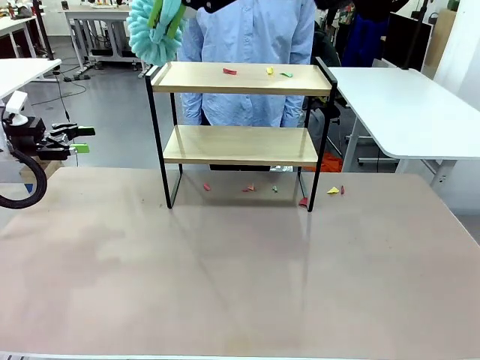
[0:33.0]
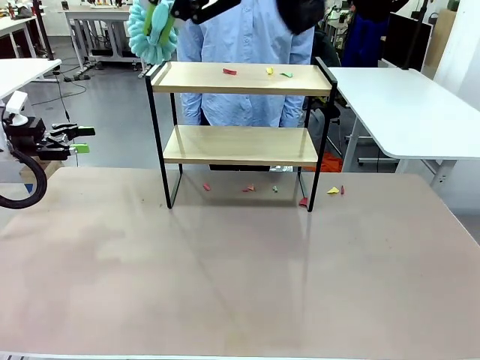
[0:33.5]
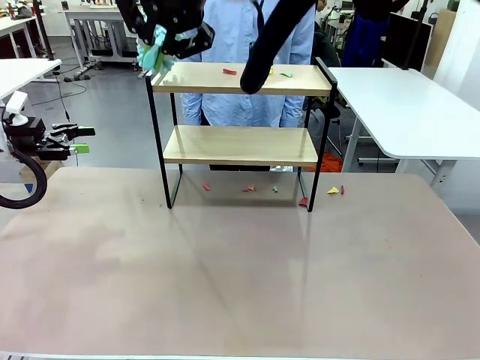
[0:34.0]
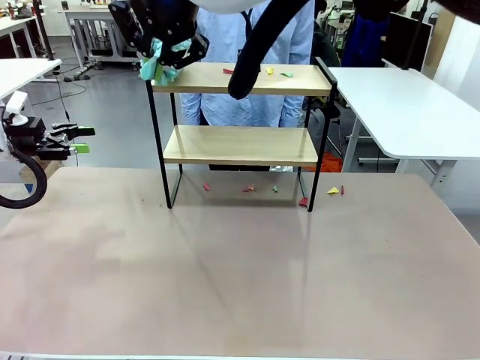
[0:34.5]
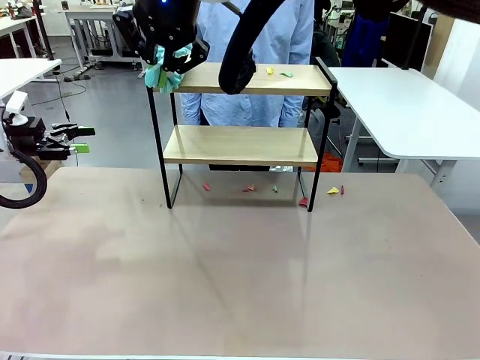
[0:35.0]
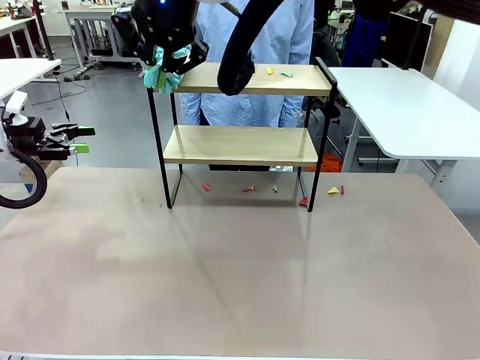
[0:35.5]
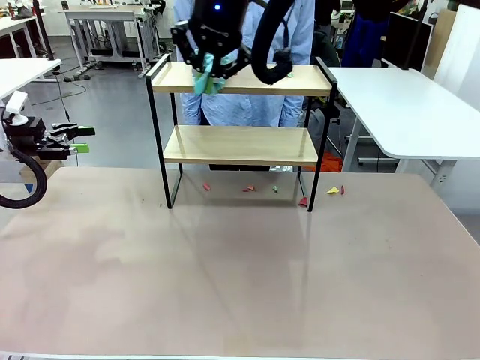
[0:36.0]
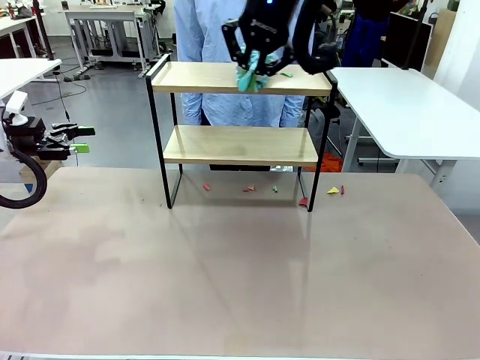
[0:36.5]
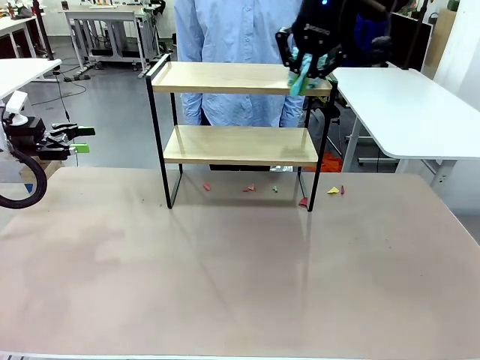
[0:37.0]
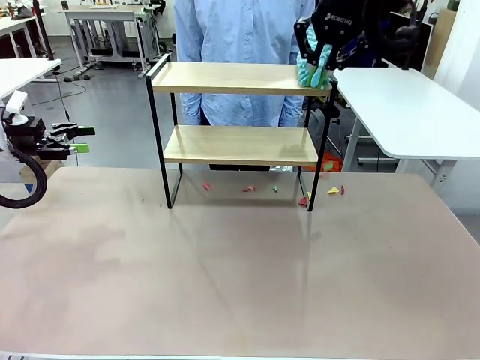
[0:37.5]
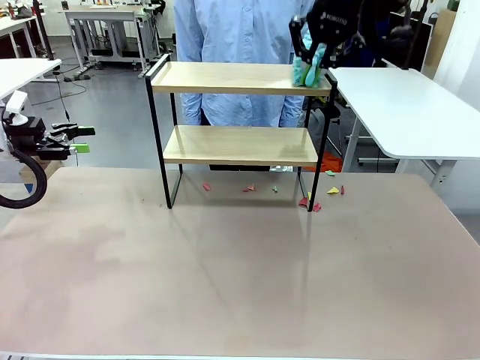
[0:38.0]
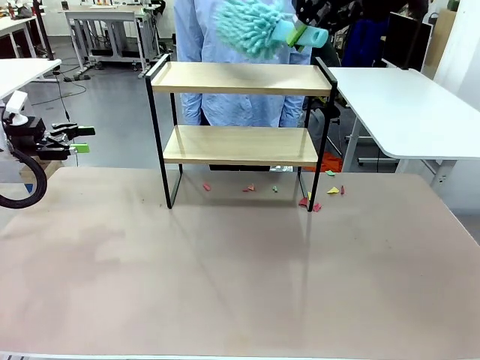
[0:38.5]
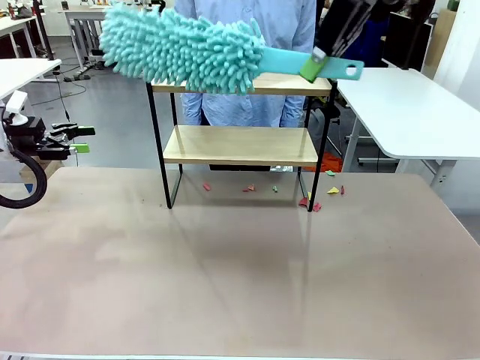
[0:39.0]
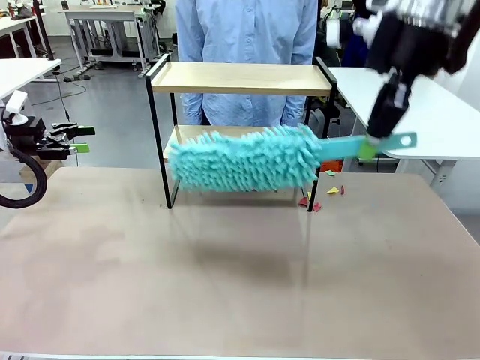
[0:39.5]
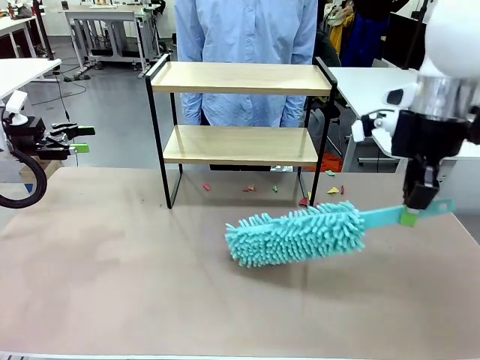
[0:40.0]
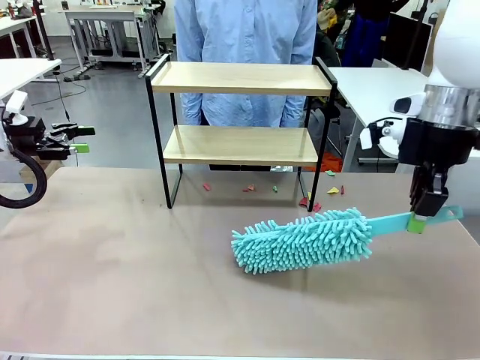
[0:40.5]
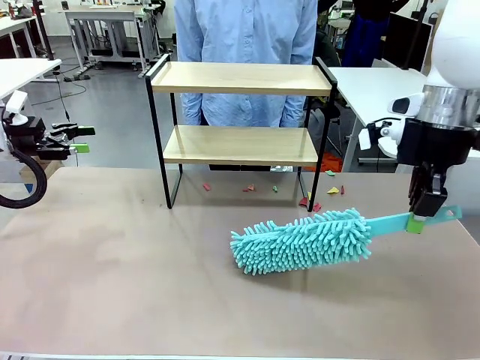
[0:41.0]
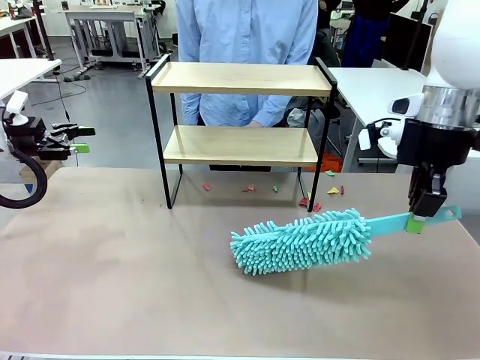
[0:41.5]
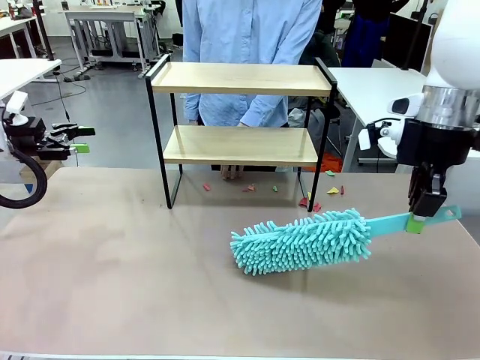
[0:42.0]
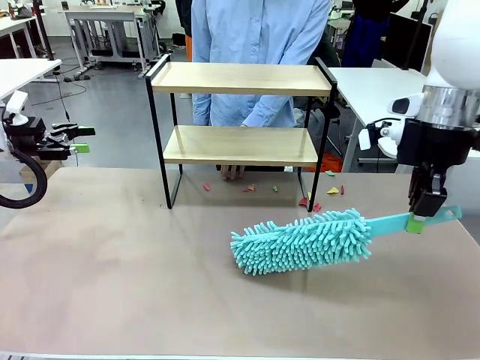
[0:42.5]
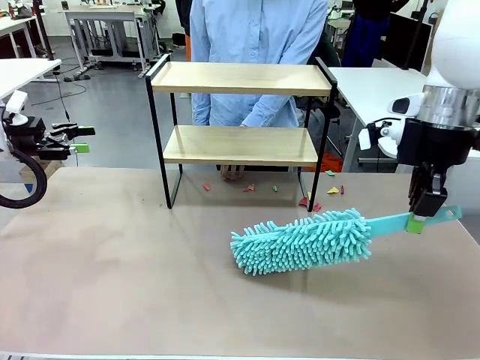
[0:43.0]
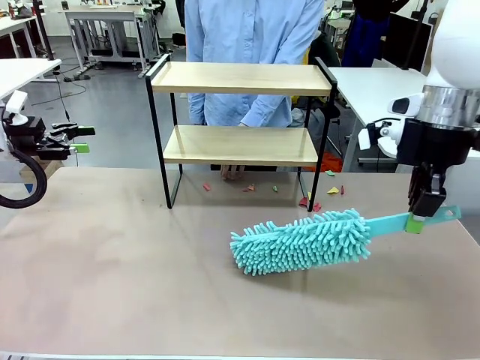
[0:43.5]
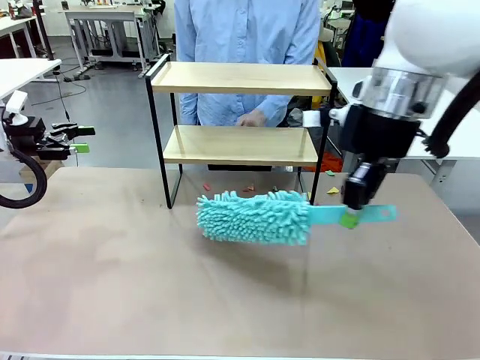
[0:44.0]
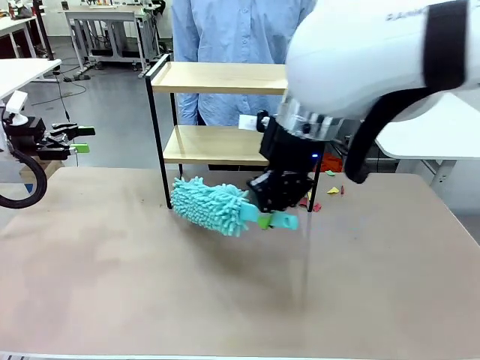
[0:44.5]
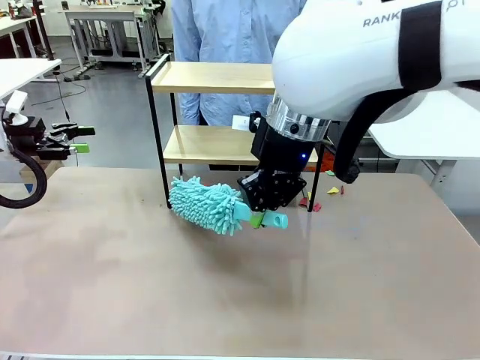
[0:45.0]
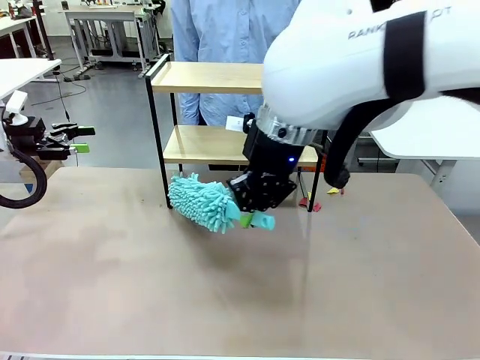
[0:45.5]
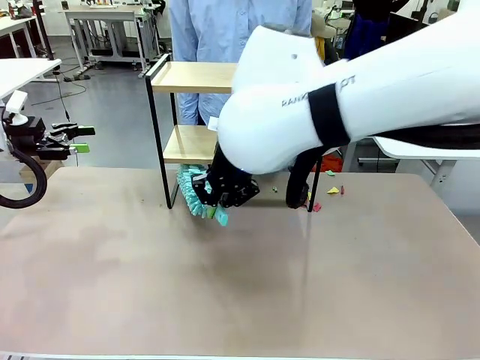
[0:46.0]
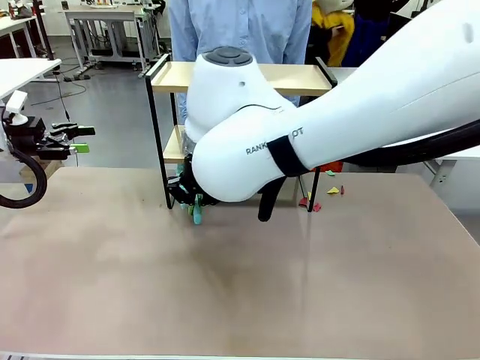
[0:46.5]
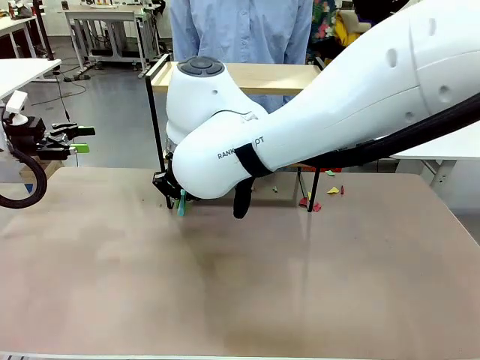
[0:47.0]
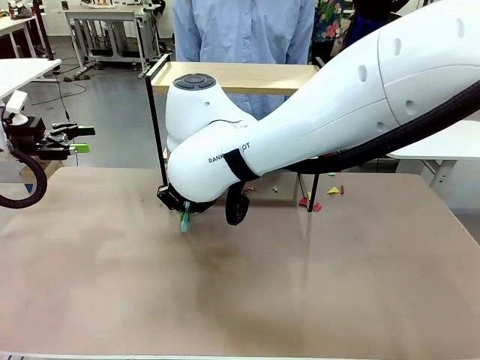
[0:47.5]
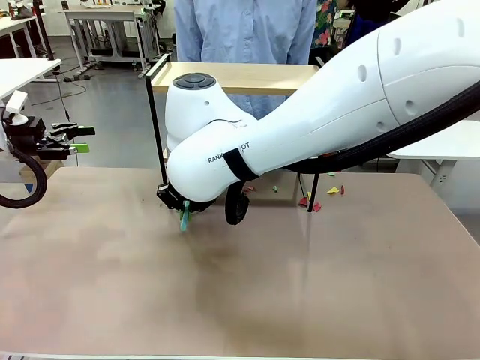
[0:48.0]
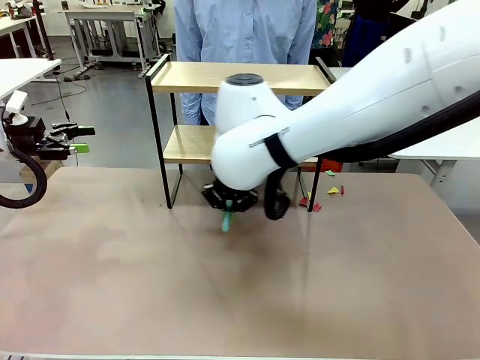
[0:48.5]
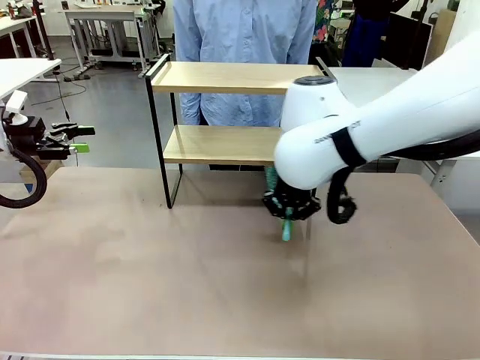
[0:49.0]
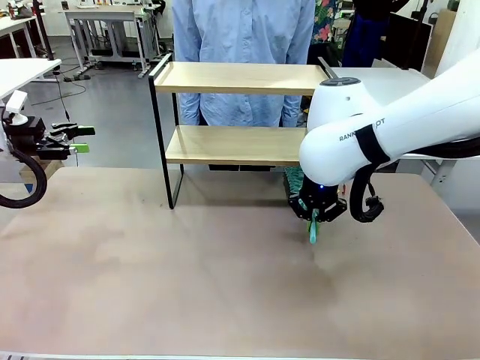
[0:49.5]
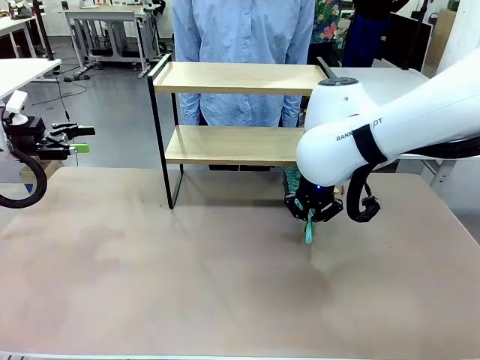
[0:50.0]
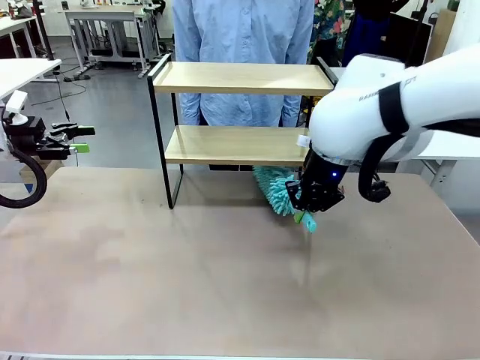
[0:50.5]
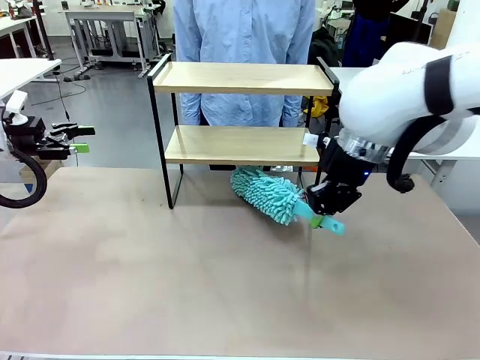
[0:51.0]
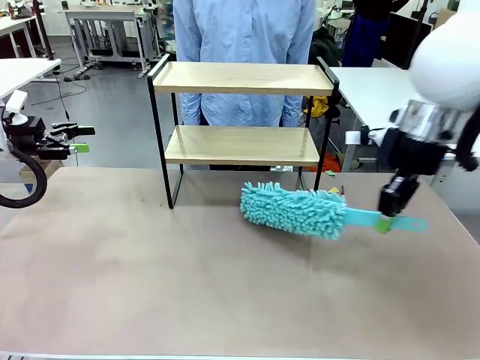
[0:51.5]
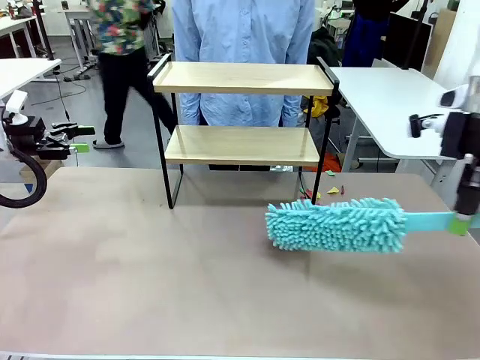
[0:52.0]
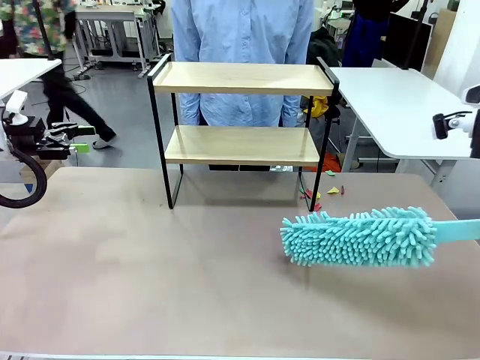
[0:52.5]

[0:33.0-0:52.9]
Task: Clean the shelf.
Robot: Clean the specific section of the Shelf indicated by the human with the Duster.
Person: Point a remaining section of the Shelf.

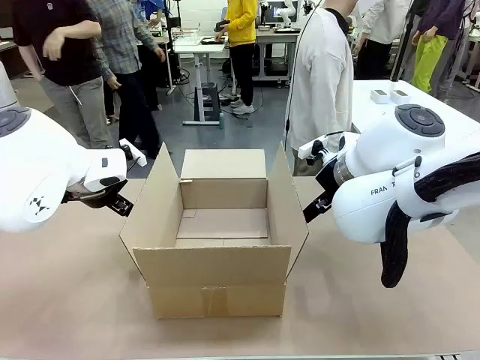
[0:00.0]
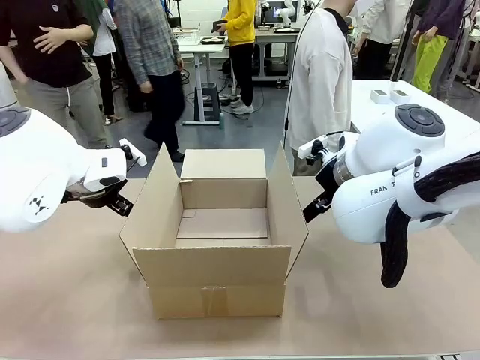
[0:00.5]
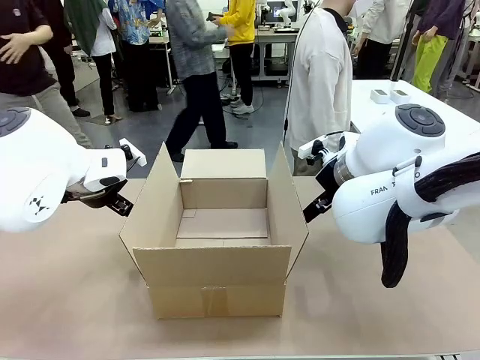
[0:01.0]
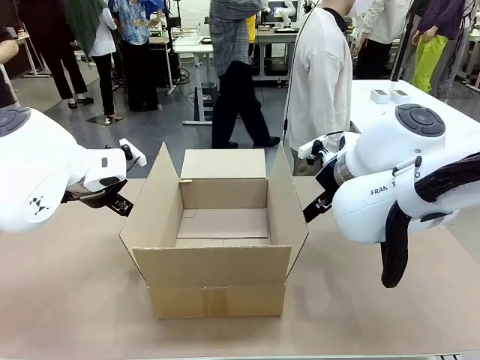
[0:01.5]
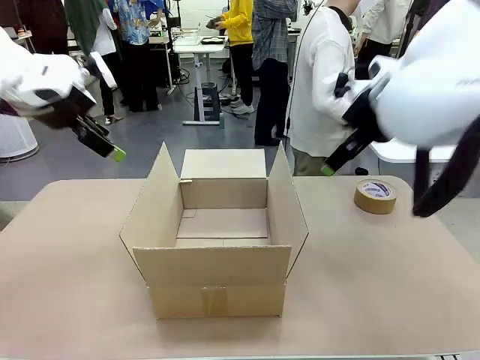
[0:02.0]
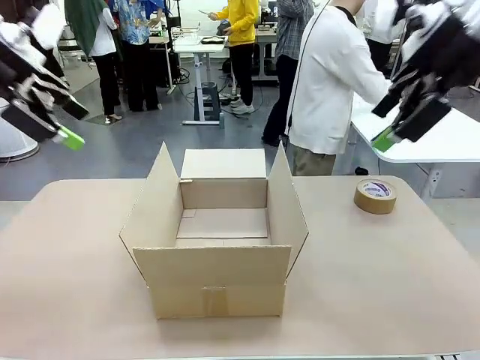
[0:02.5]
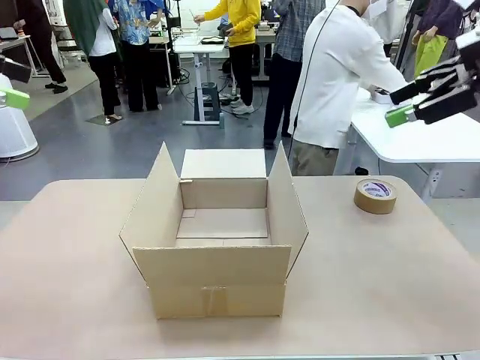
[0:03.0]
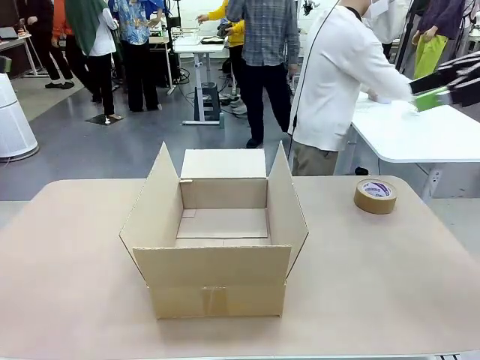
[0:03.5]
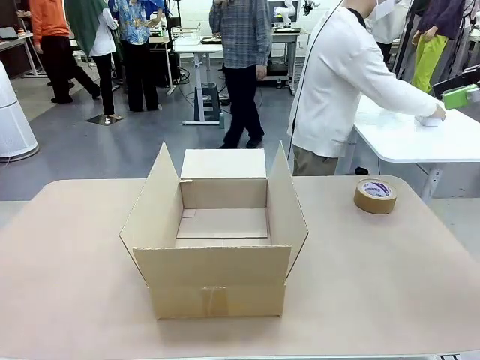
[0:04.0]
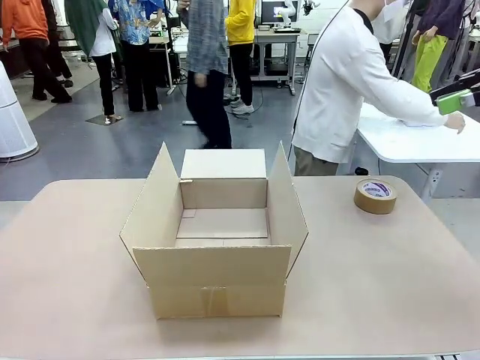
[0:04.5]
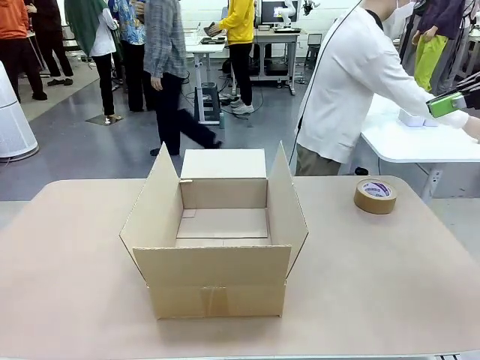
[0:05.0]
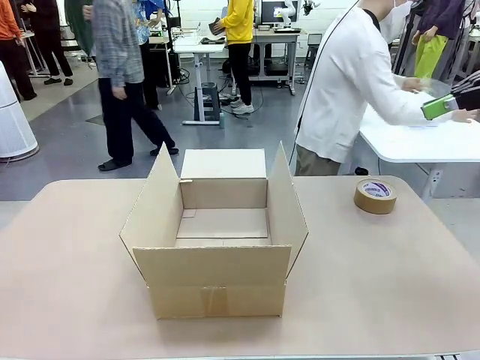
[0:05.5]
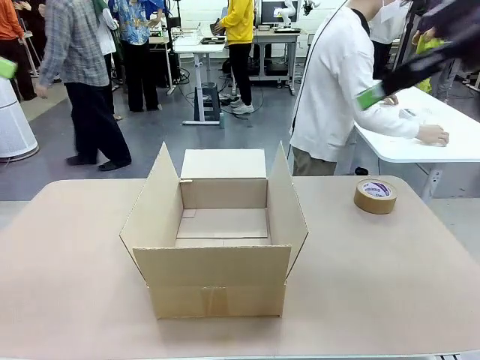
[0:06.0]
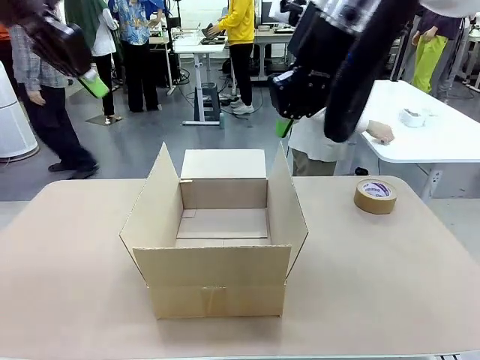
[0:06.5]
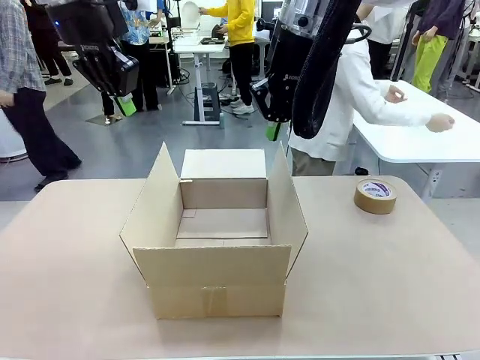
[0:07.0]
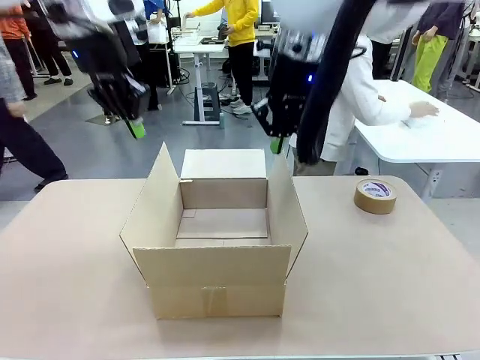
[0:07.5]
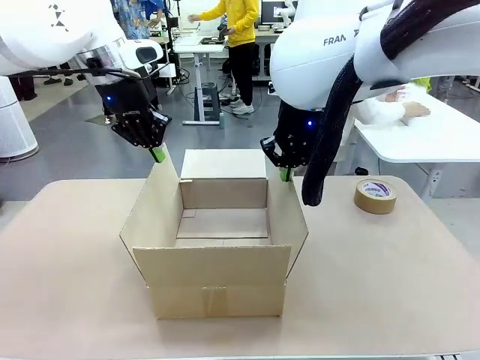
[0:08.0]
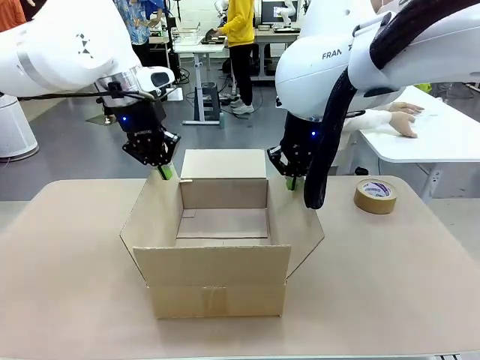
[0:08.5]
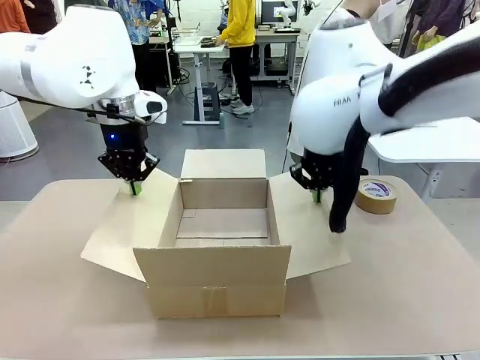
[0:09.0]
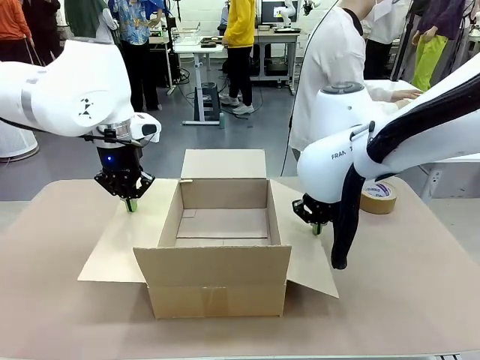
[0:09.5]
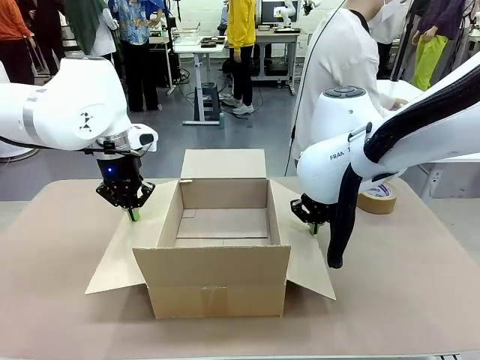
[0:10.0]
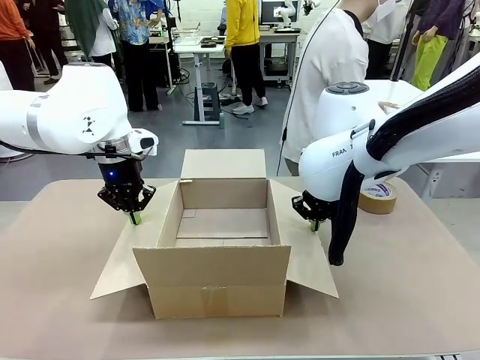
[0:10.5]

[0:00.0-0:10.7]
Task: Wrap the clocks to prevent damage.
Robot: Open the side flaps of the Package Box.
Person: Wrap the two Digital clocks with Bubble Wrap.
